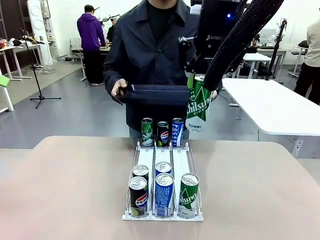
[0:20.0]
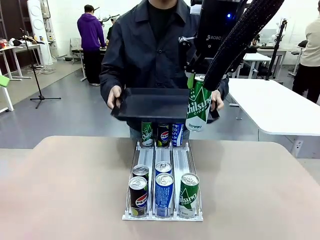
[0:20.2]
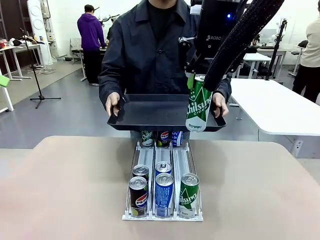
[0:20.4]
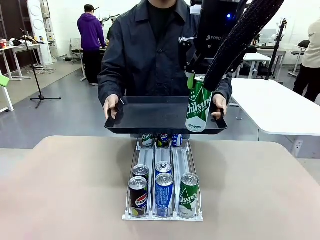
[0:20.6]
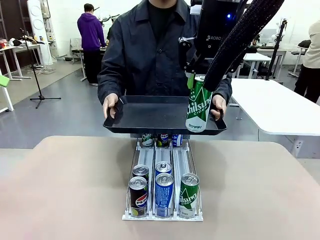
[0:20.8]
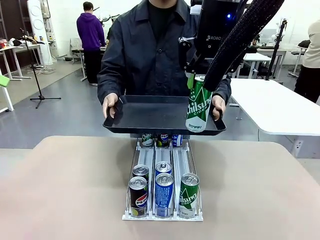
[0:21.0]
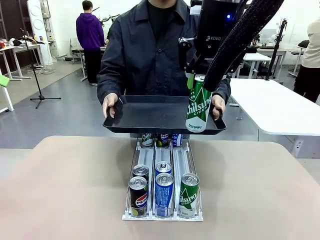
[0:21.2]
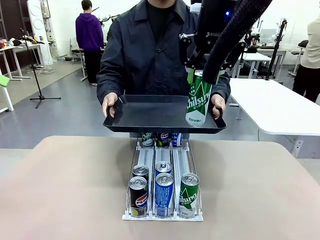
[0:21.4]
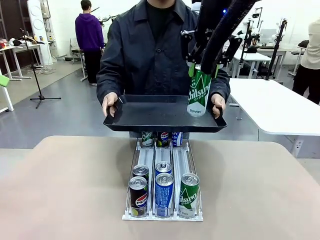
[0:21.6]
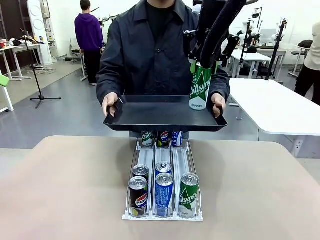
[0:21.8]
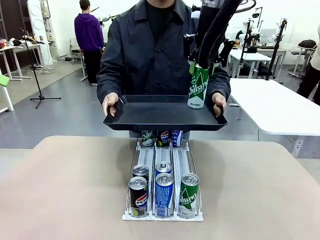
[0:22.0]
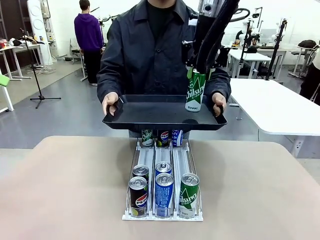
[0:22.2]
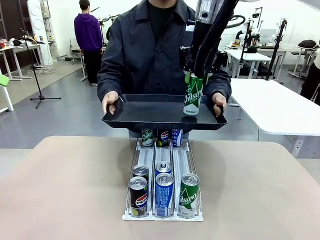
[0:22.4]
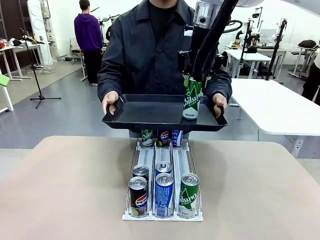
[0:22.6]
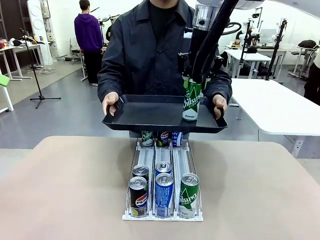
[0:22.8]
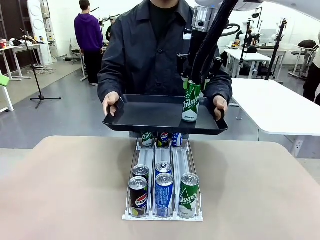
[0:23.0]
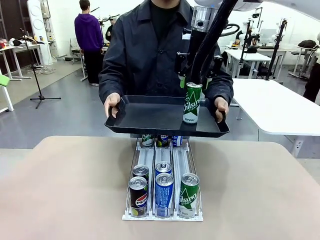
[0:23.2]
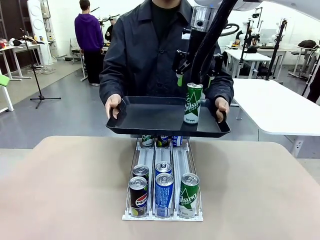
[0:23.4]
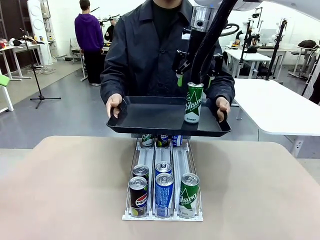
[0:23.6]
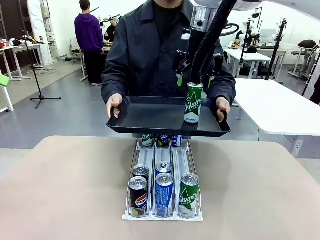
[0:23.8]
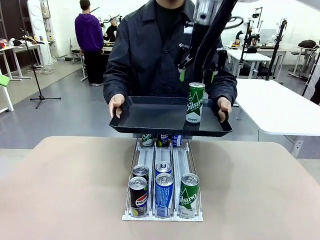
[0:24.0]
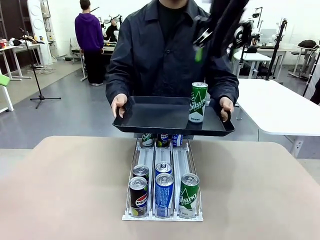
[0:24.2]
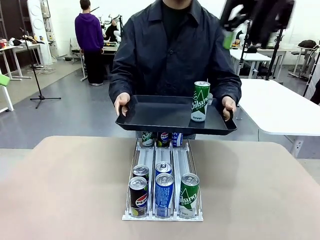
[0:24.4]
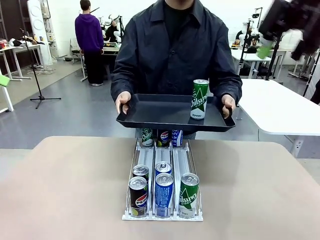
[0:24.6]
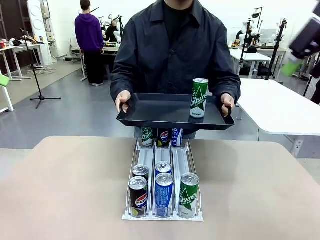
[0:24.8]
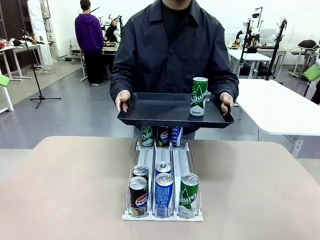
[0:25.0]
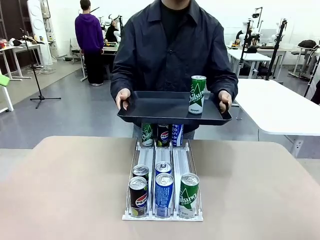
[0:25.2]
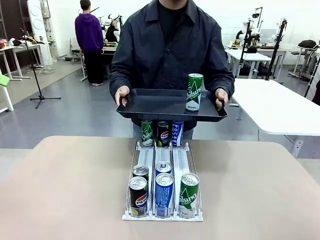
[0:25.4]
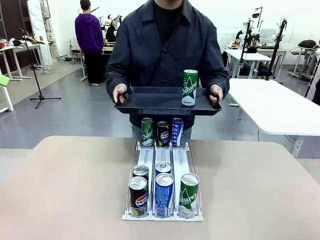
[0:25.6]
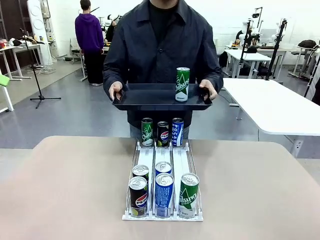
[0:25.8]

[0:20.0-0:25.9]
Task: Retrieve and hand over the desired beverage to the person.
Robot: Place the picked can on the Handle tray extended by the person.

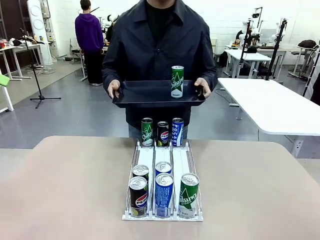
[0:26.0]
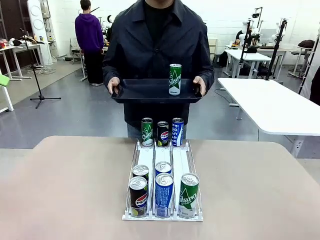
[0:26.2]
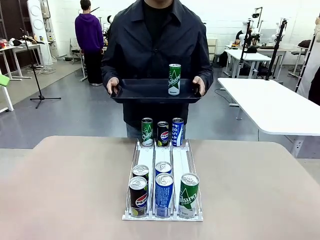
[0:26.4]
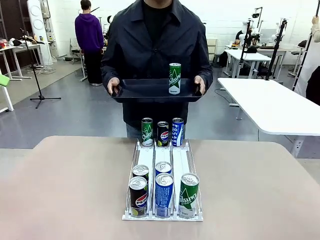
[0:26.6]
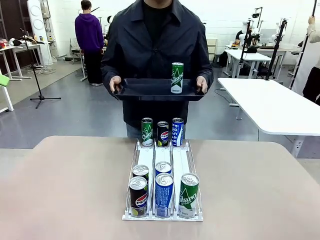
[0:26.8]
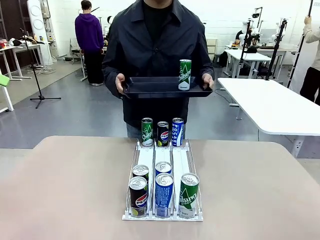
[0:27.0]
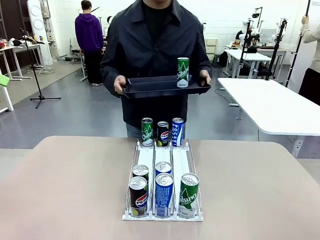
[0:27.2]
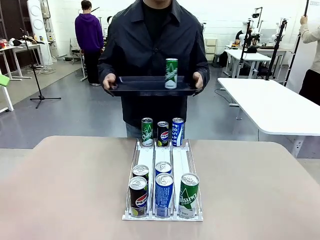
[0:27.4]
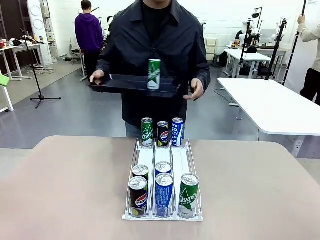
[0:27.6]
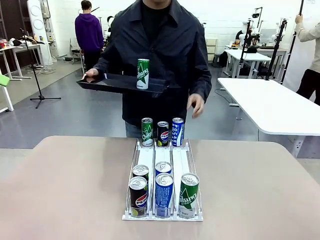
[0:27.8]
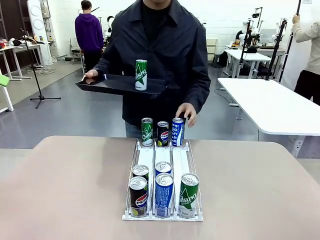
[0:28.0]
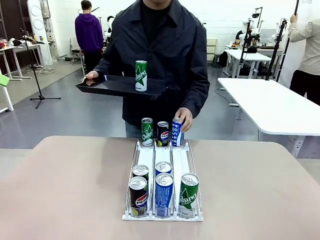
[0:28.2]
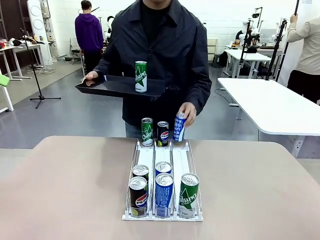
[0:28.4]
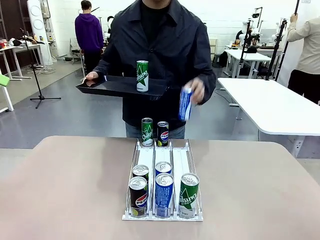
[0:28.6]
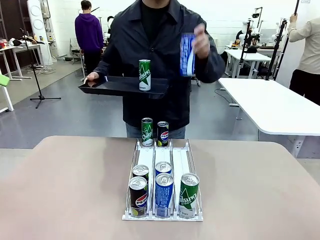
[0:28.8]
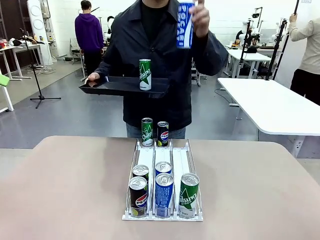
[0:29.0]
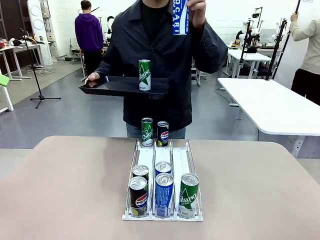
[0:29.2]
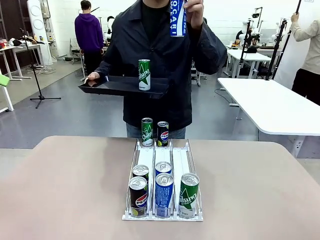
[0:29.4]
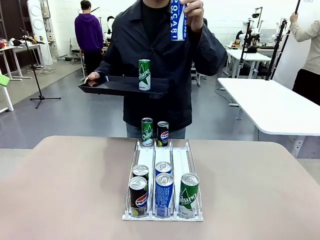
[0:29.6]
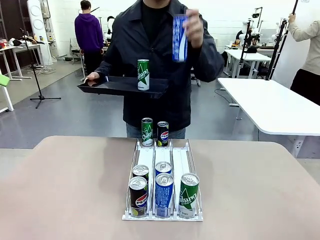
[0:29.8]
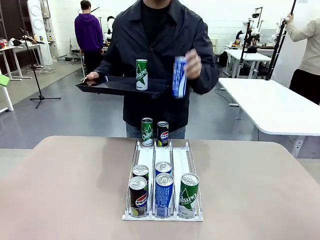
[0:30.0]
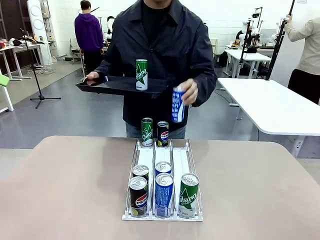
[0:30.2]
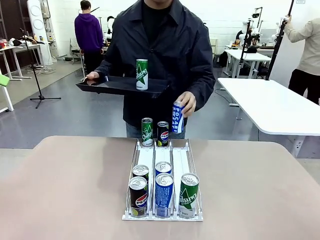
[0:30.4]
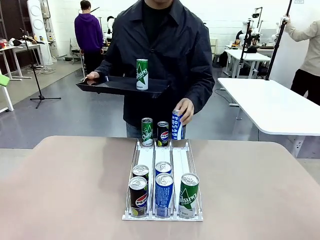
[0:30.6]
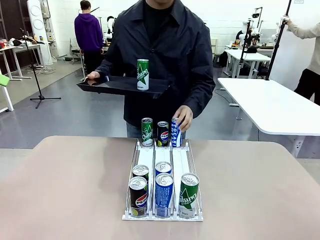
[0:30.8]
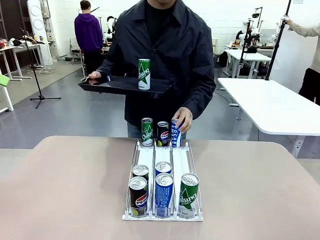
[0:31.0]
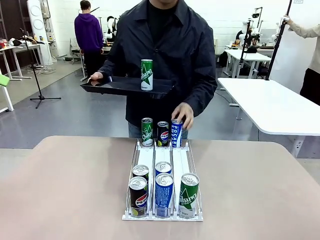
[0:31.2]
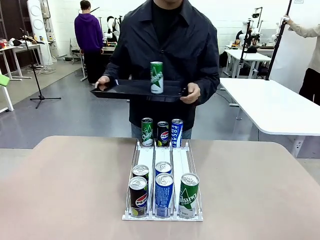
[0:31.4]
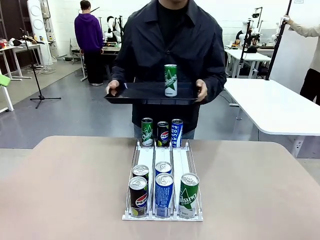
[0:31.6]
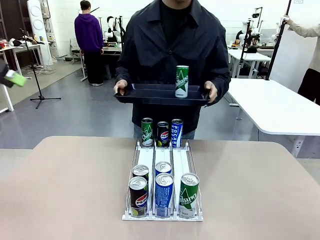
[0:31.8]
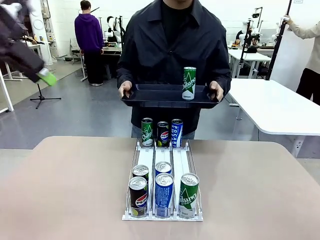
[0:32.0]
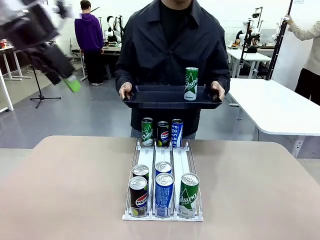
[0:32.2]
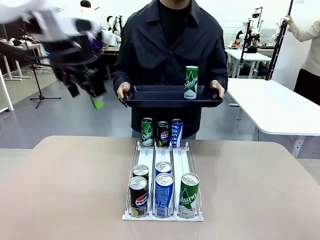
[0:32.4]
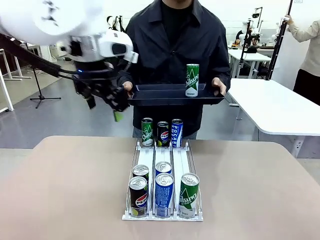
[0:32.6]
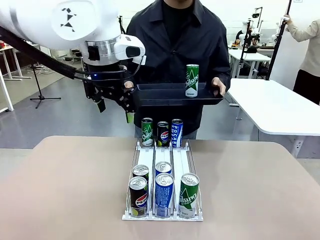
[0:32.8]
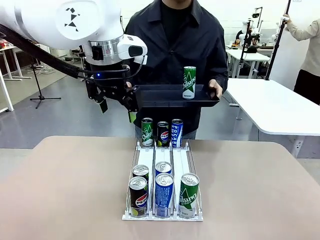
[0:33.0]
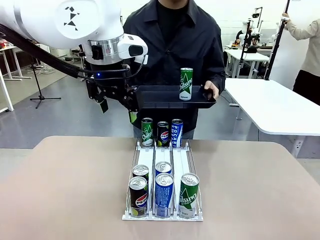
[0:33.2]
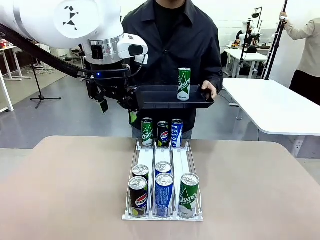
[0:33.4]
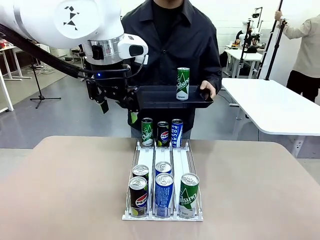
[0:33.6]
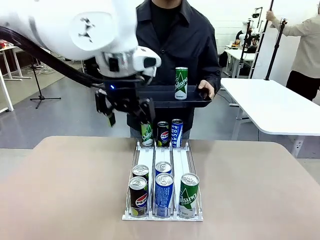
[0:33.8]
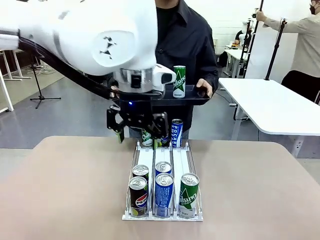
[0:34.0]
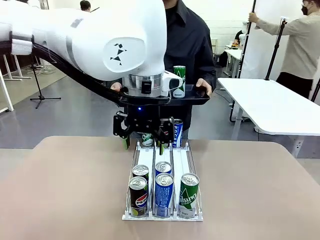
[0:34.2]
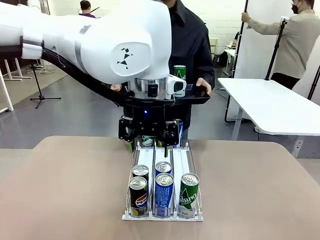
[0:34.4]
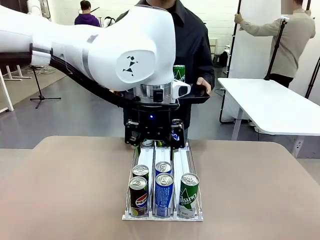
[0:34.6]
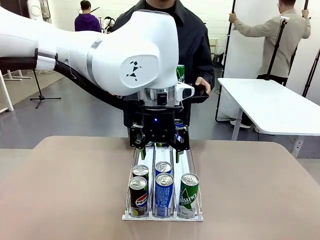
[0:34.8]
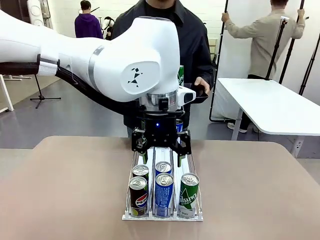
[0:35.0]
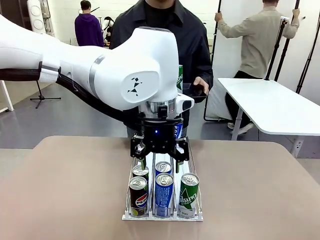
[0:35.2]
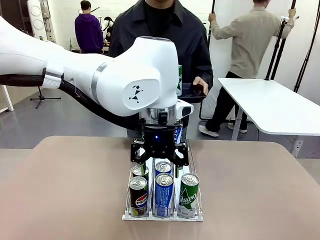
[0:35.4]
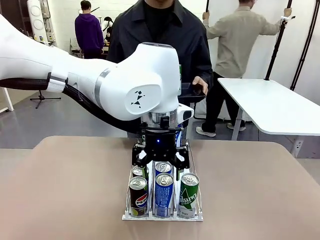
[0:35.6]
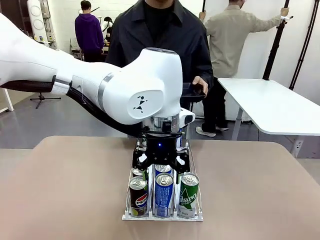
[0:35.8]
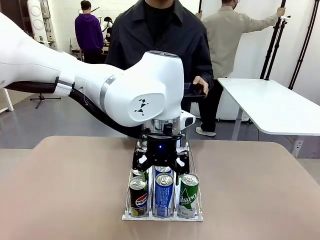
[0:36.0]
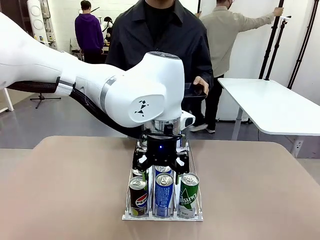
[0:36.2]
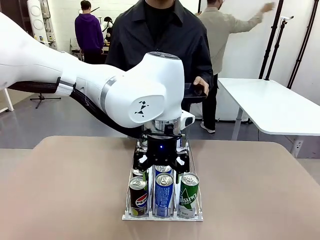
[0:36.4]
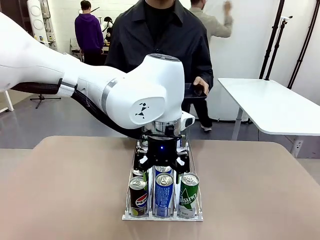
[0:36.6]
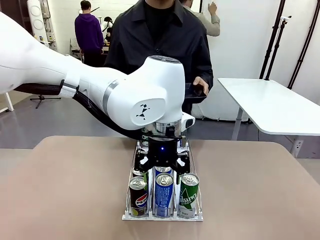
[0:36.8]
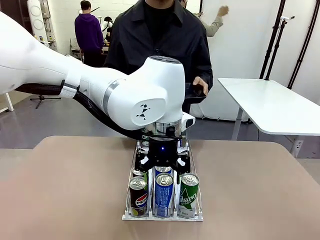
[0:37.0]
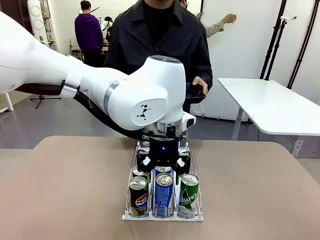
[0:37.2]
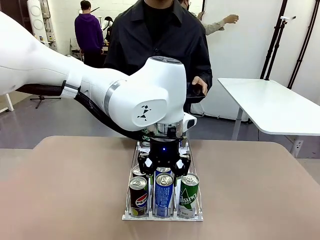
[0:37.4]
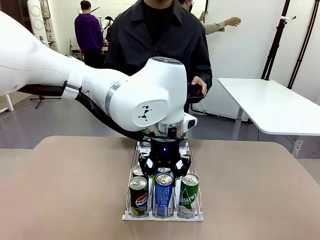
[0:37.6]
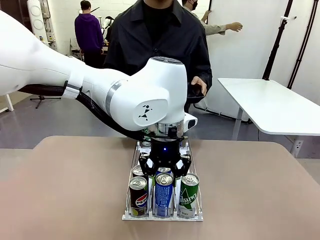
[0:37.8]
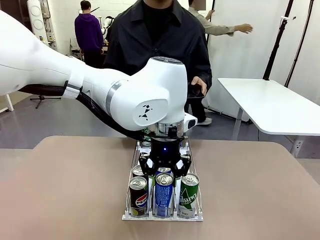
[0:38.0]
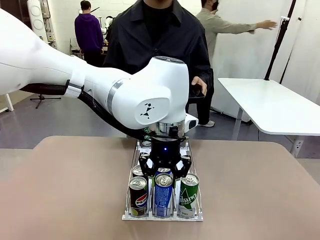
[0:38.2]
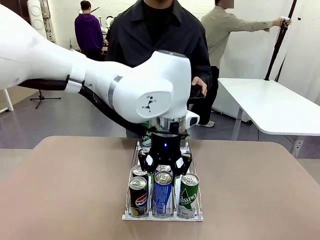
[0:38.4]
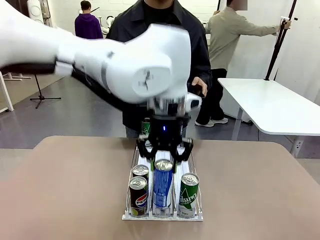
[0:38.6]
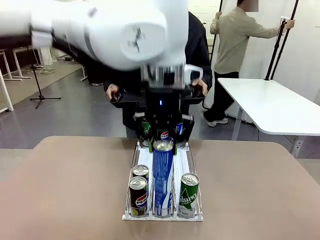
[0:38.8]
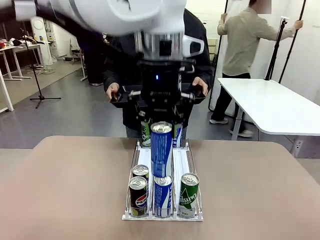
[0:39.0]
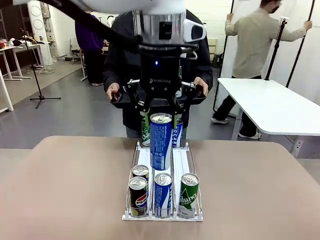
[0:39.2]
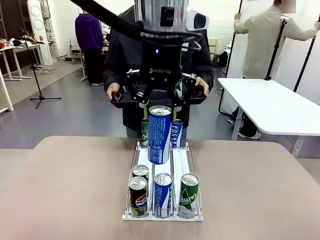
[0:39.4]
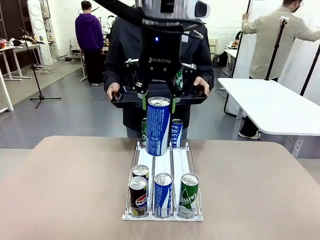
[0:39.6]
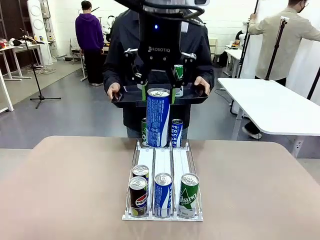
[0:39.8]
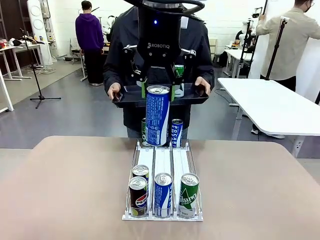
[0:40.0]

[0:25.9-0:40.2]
Robot: Pick up another can of the same type that the person held from the Automatic Can Dispenser.
Person: Pull the tray back, then pick up another can from the bottom area of the table and puts it back in its original place. Push the tray toward the robot again.
